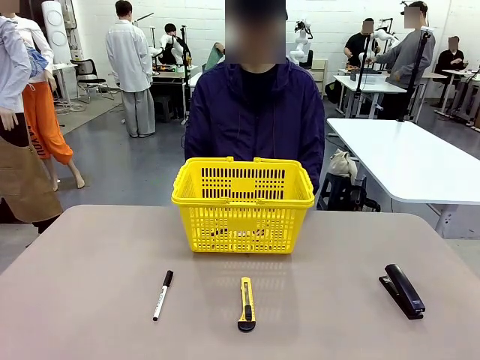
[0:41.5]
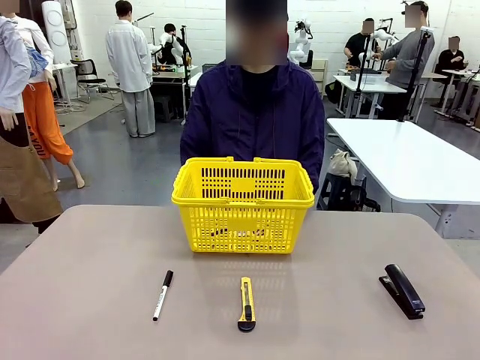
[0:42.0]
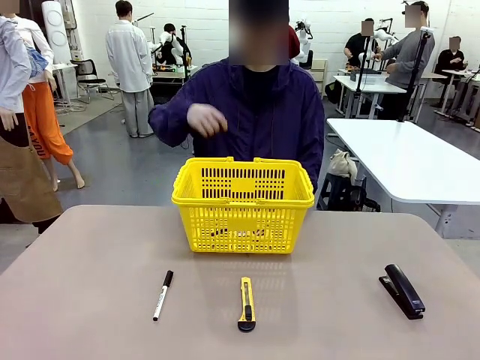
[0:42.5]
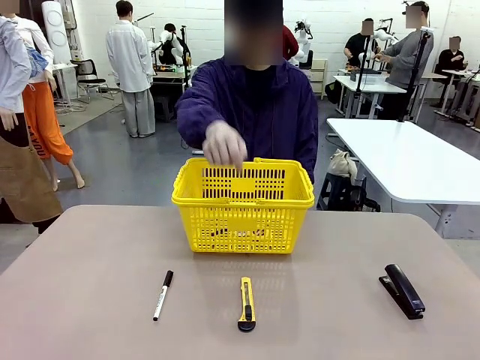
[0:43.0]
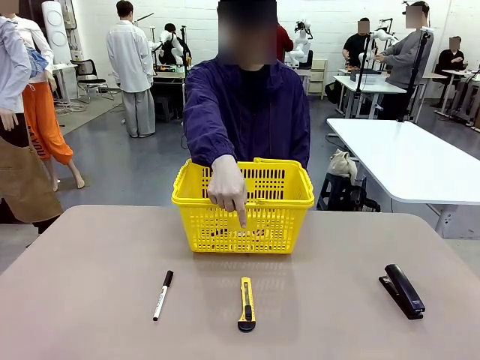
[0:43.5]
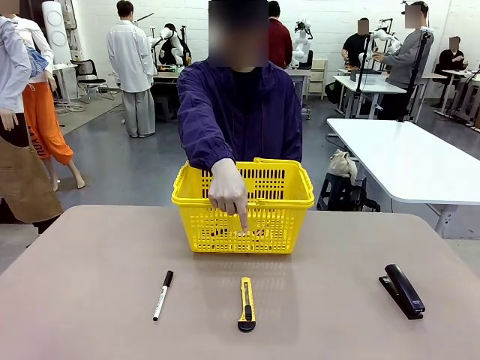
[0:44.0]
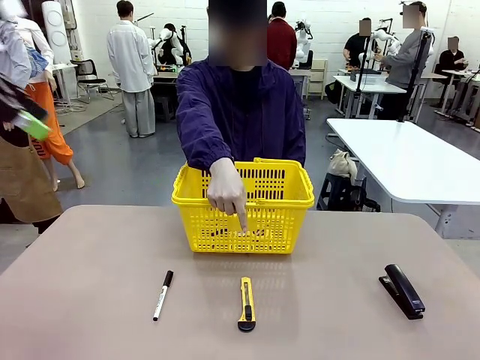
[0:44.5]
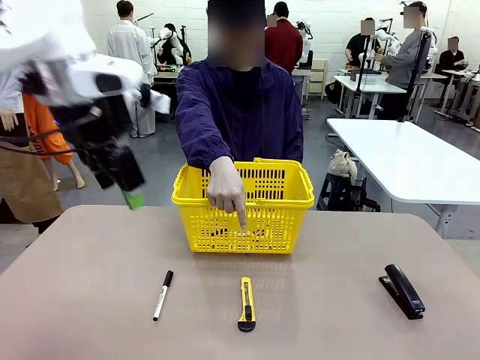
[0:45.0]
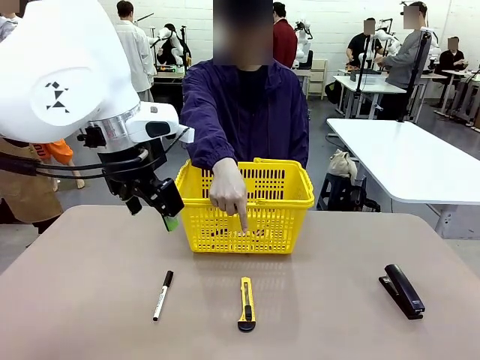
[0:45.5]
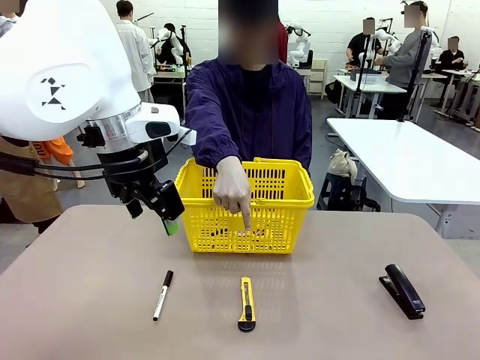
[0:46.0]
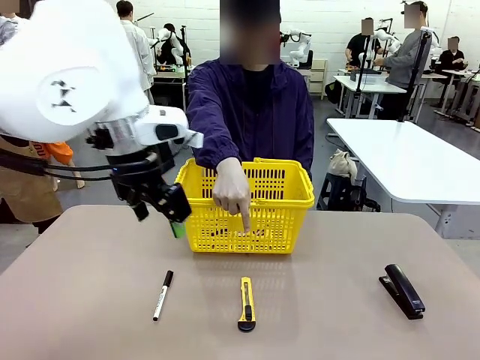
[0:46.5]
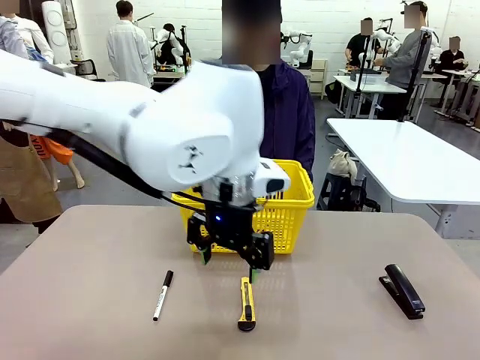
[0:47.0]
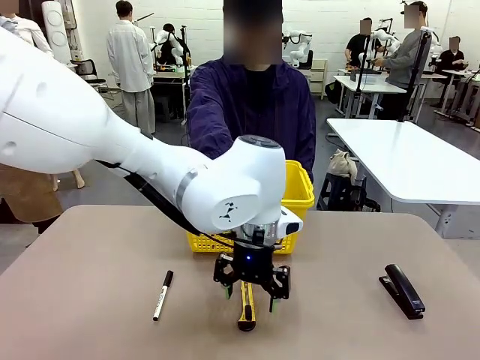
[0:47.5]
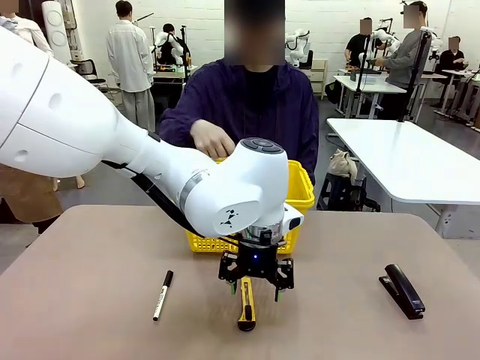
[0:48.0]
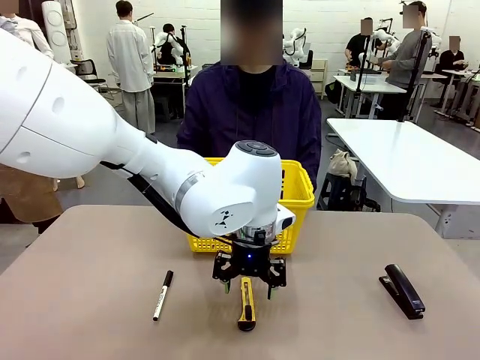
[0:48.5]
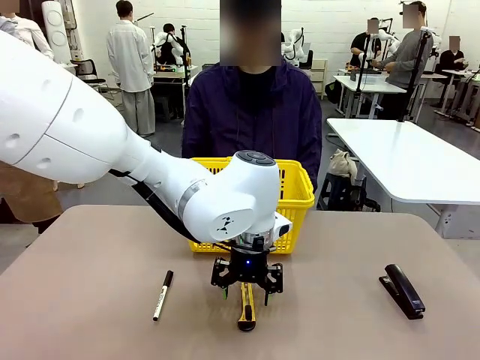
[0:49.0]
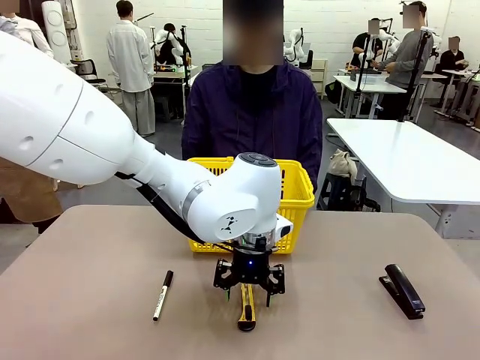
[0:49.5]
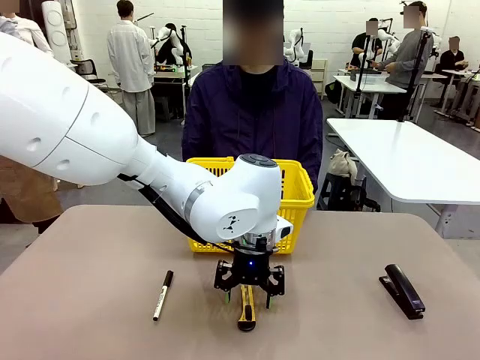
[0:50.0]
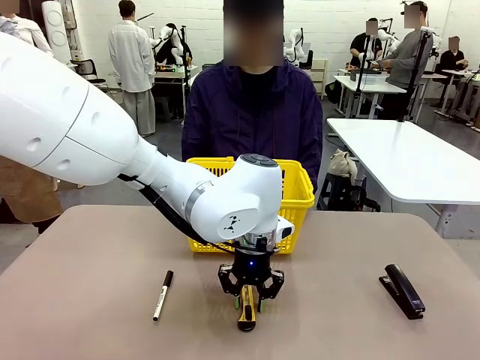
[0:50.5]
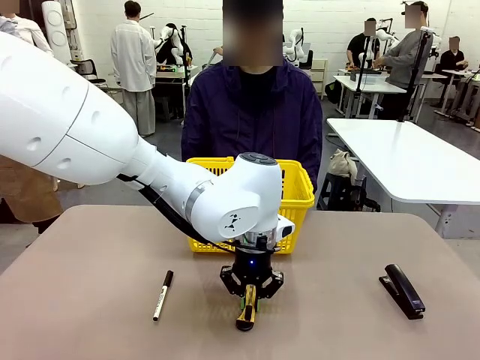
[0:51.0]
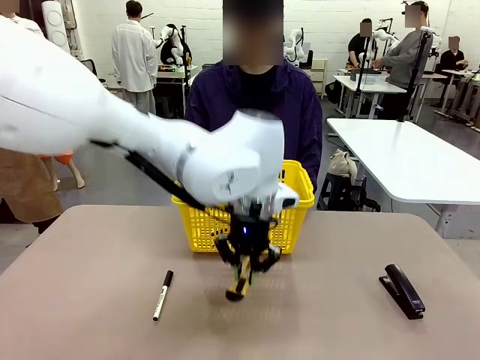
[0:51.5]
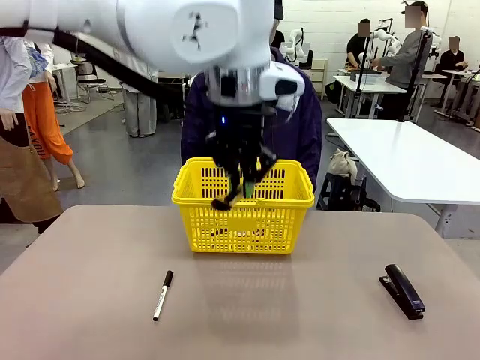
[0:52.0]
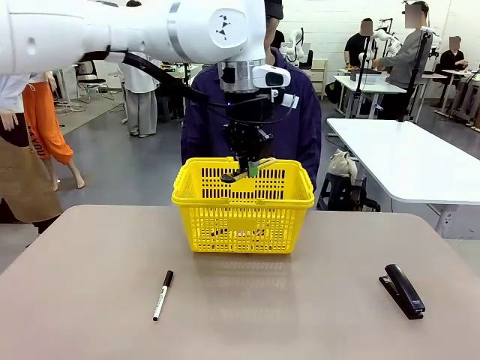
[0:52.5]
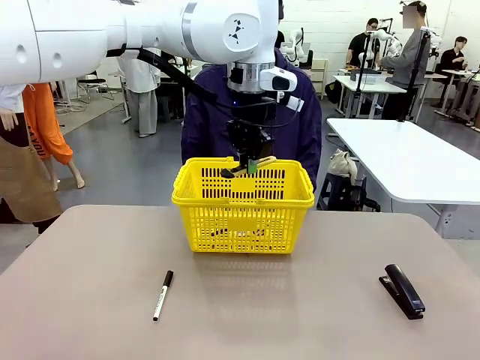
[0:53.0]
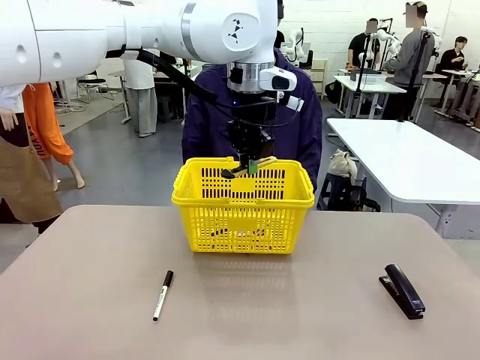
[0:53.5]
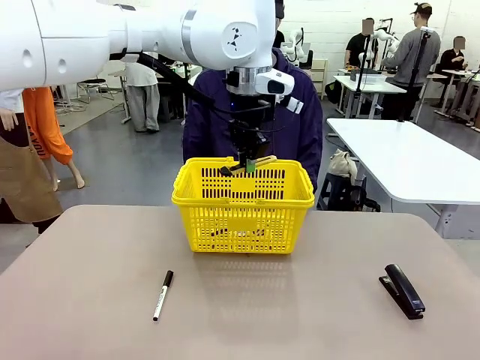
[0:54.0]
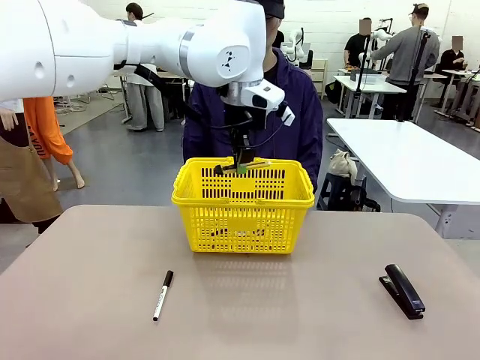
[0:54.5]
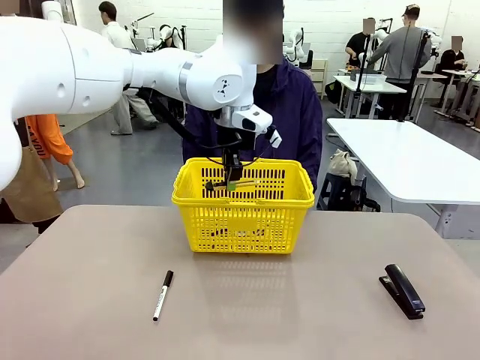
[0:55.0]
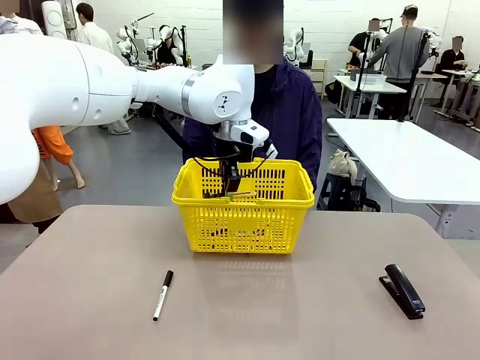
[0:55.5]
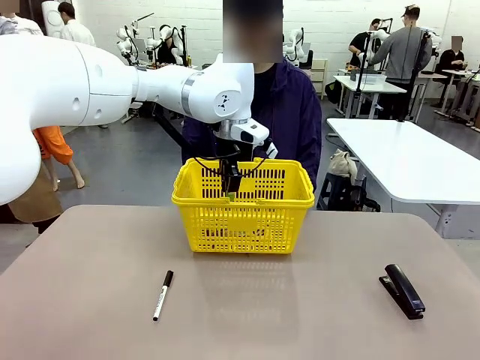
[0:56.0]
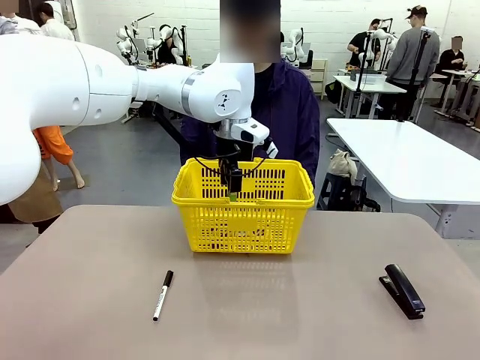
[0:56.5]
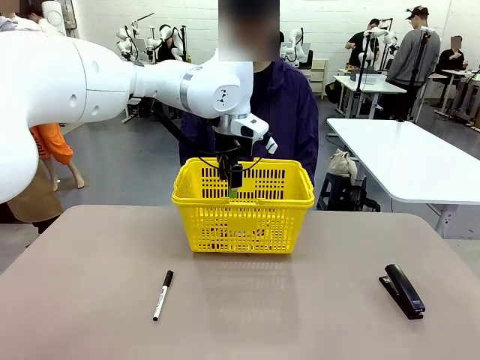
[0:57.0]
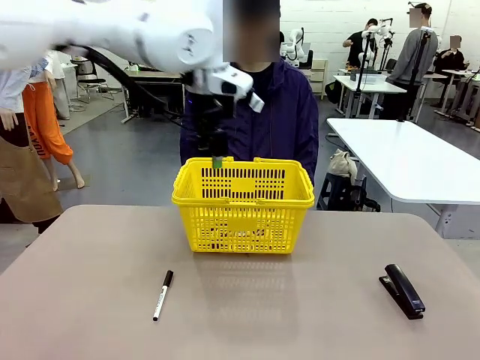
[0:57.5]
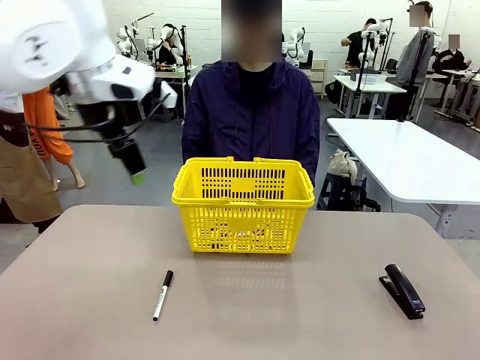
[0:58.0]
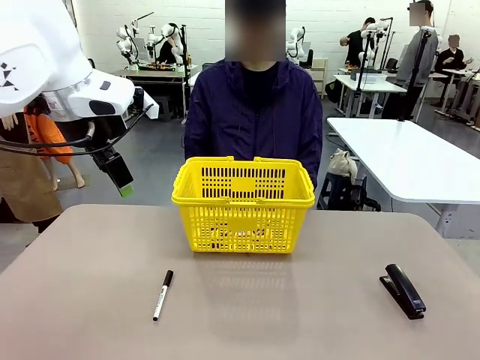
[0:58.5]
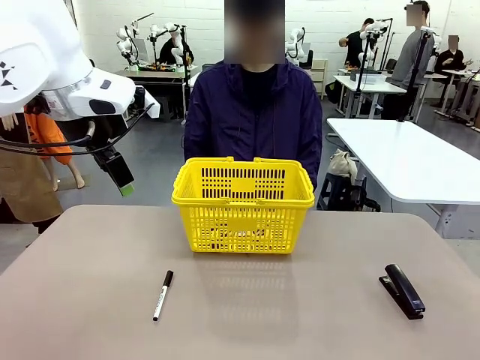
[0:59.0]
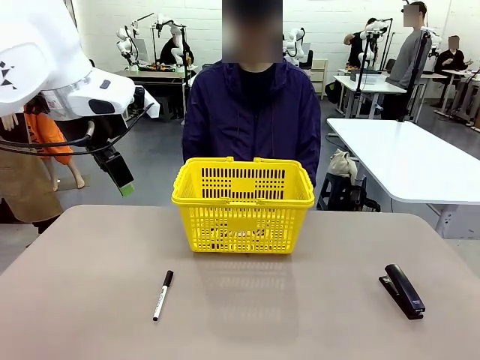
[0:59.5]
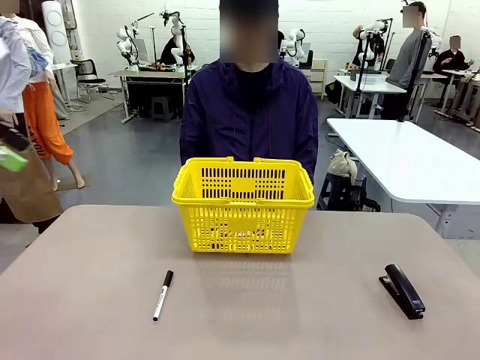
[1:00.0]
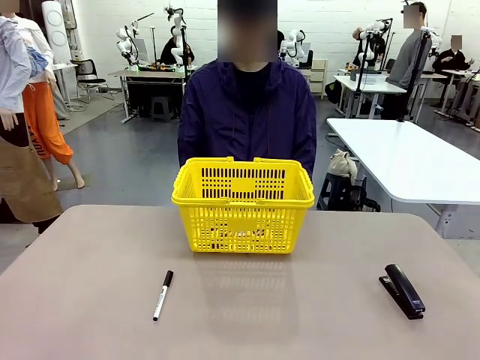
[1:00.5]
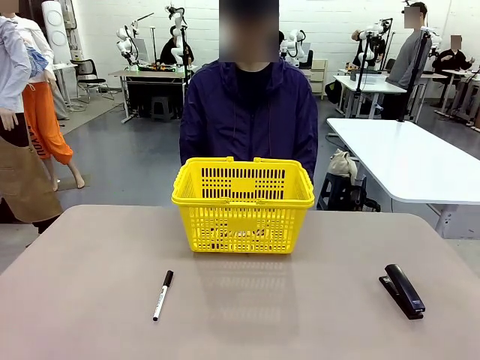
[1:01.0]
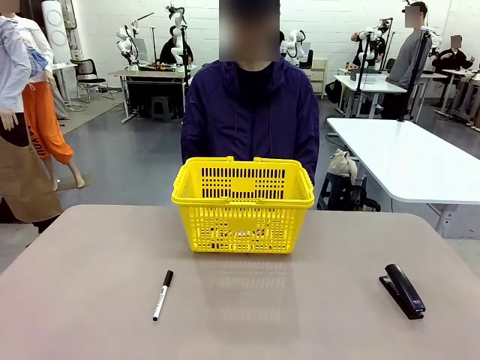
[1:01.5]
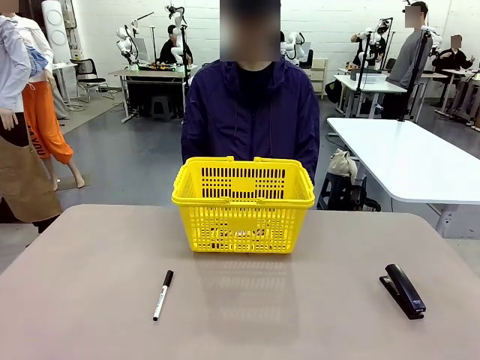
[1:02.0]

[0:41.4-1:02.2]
Task: Place the items the person wants into the basket.
Robot: Pick up the item the person points to and place it in the Market Basket.
